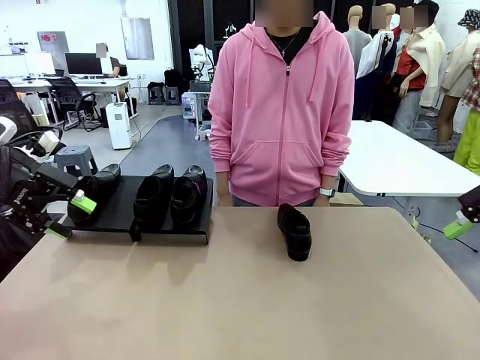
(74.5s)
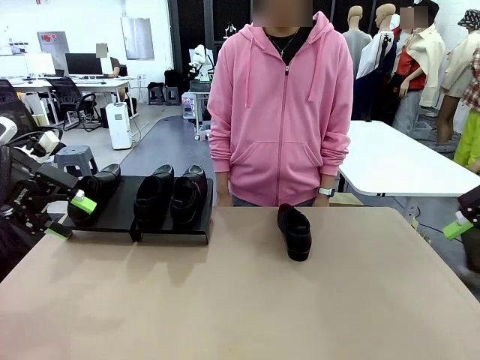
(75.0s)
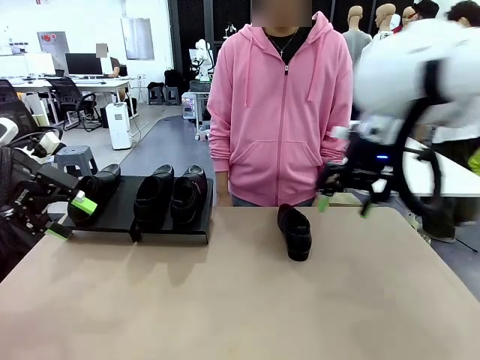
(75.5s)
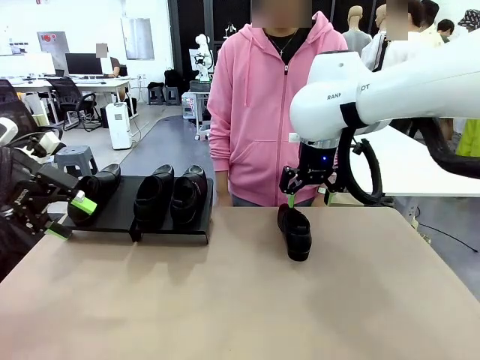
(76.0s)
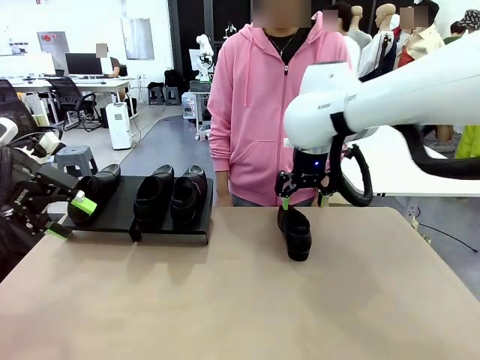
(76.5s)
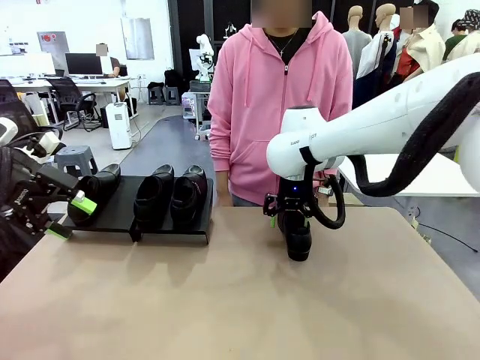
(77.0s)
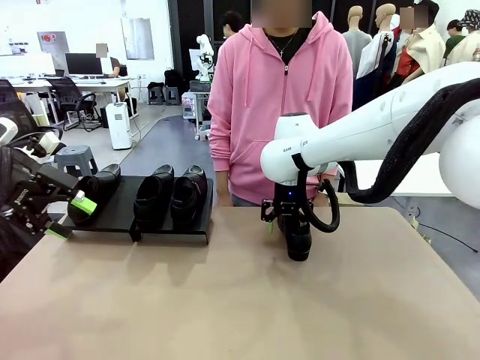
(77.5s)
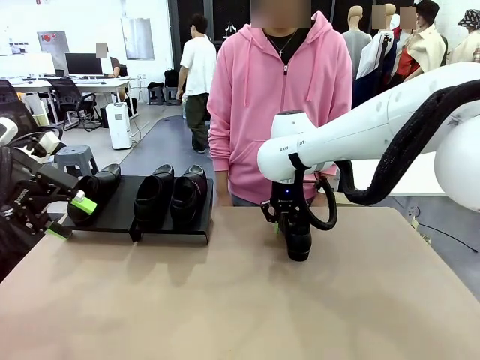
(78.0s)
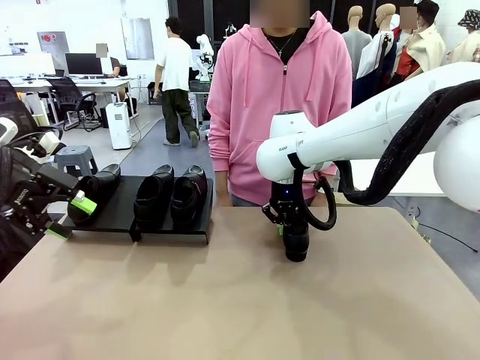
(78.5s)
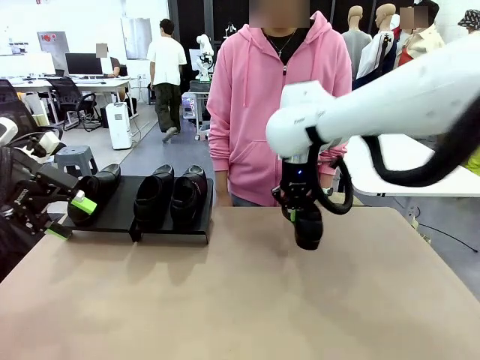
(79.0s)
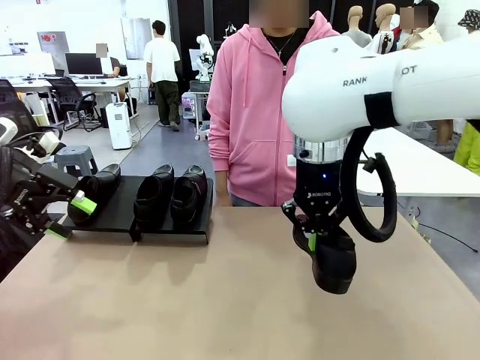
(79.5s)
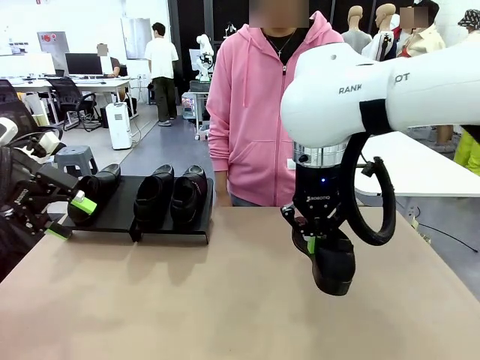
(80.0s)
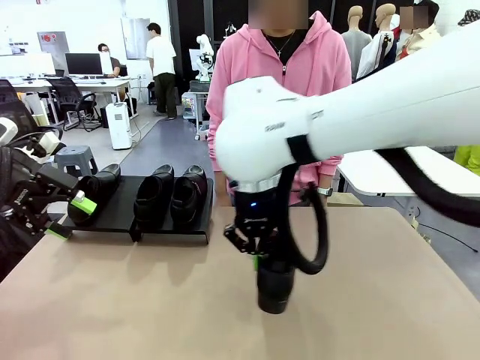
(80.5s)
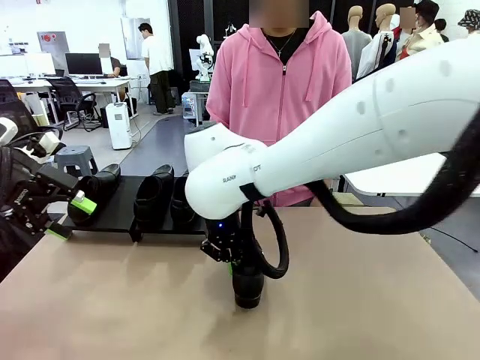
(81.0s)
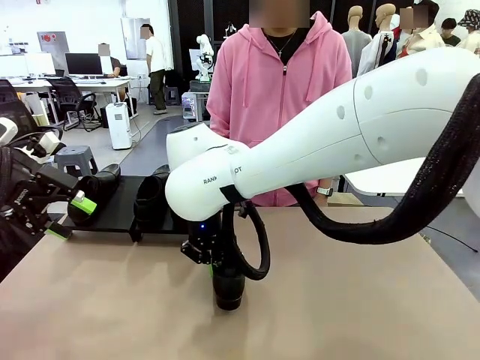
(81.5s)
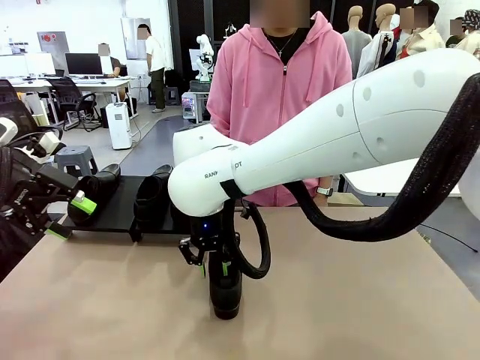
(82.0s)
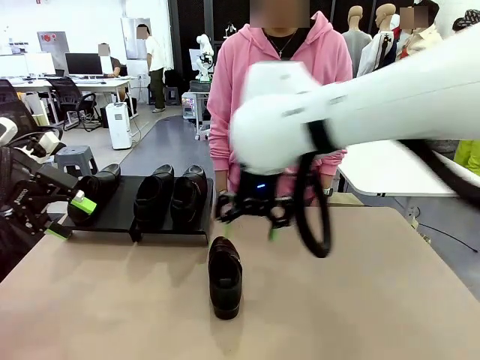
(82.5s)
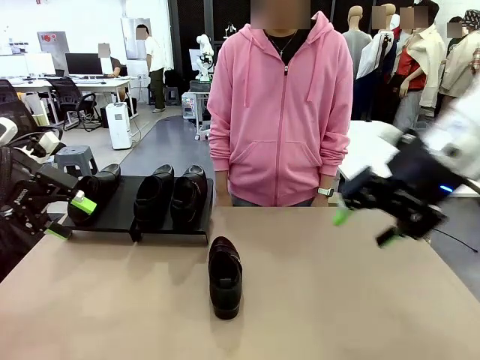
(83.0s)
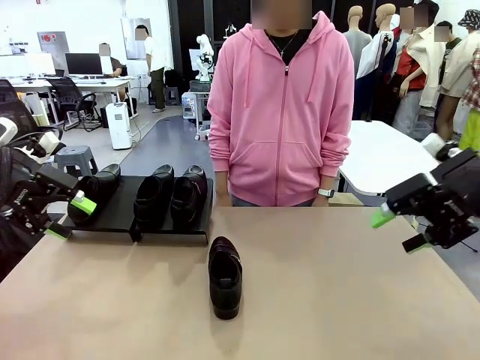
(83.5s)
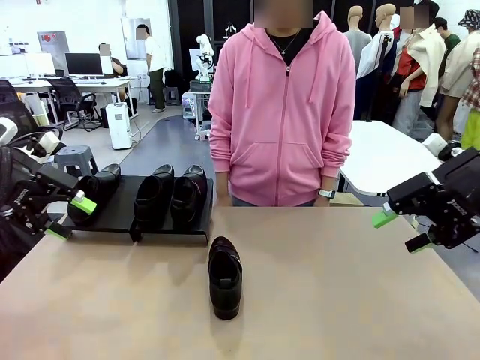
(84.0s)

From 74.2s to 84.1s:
Task: Organize the shoes by placing them on the stand.
Robot: Pick up one Shoe and place it in the middle of the table.

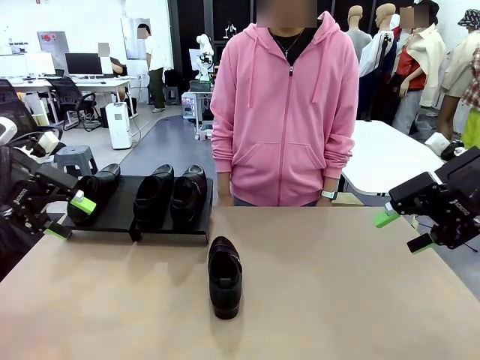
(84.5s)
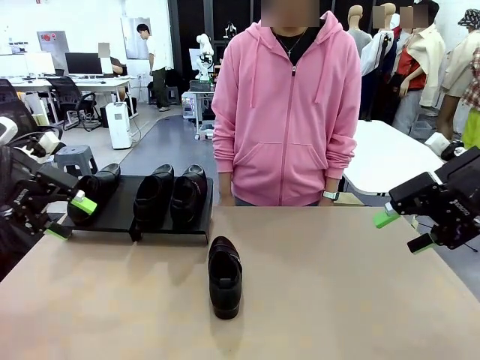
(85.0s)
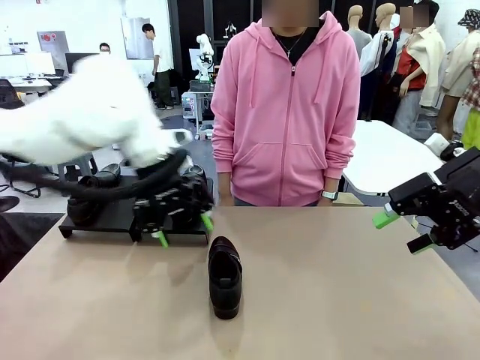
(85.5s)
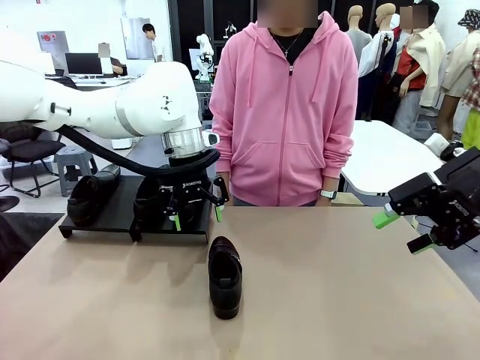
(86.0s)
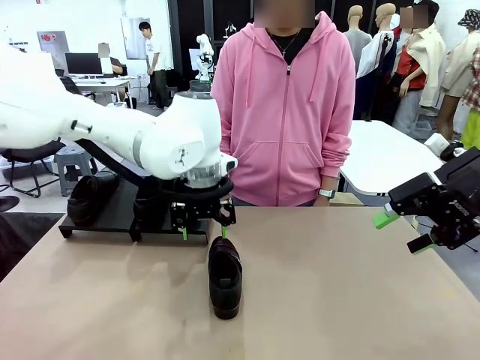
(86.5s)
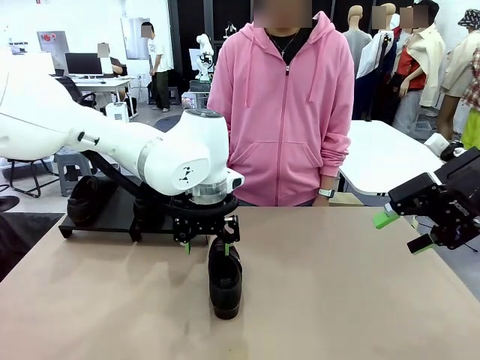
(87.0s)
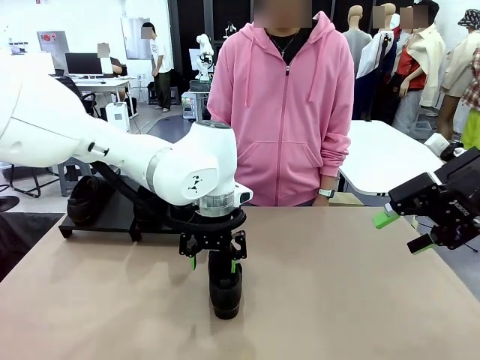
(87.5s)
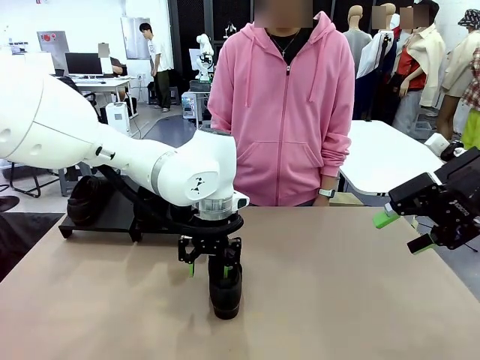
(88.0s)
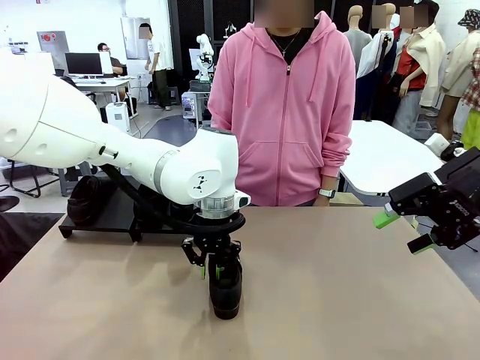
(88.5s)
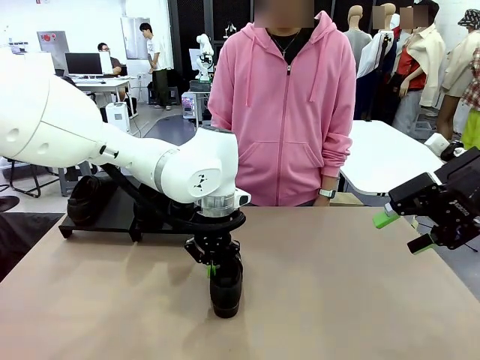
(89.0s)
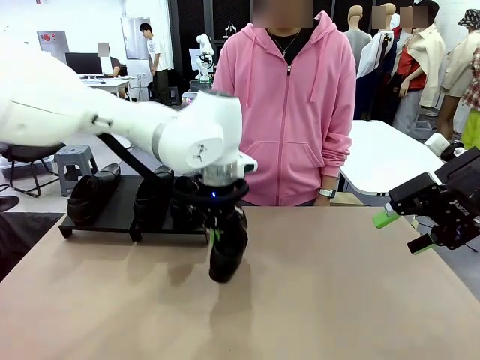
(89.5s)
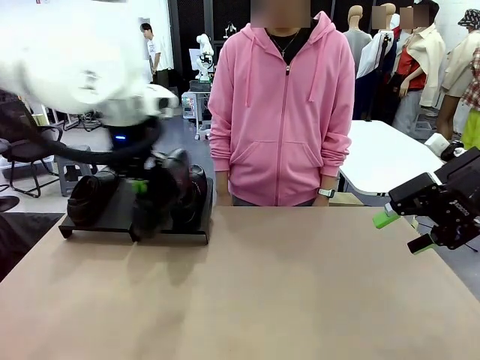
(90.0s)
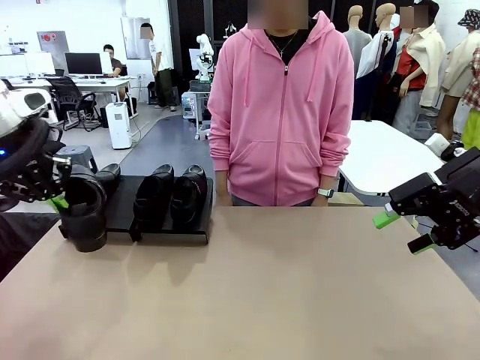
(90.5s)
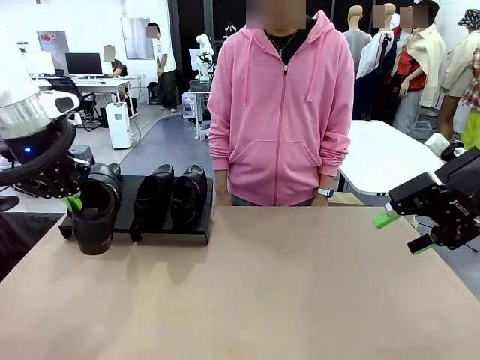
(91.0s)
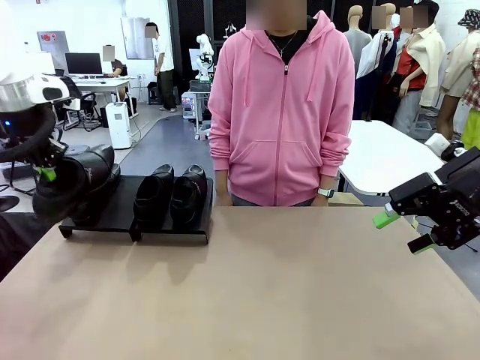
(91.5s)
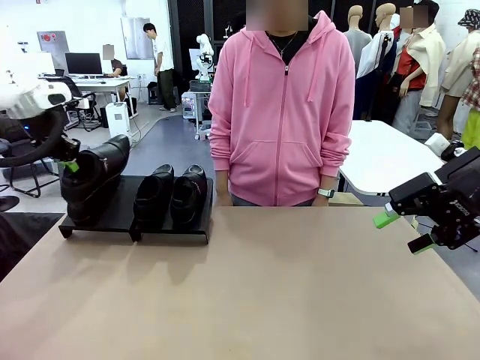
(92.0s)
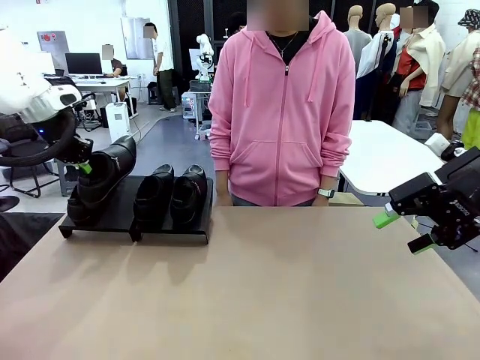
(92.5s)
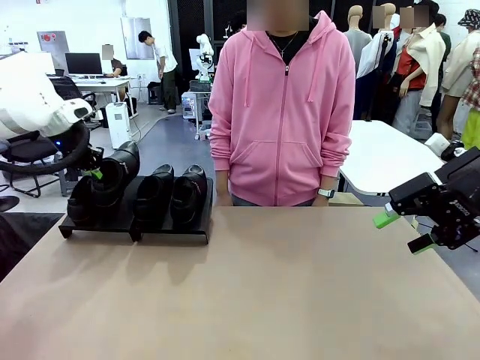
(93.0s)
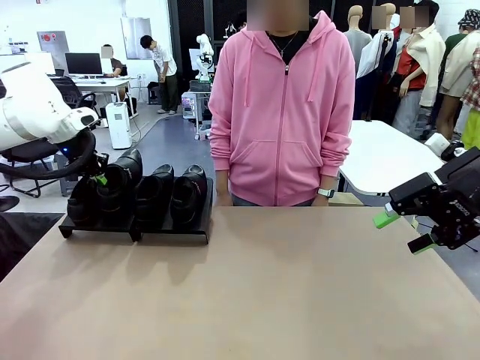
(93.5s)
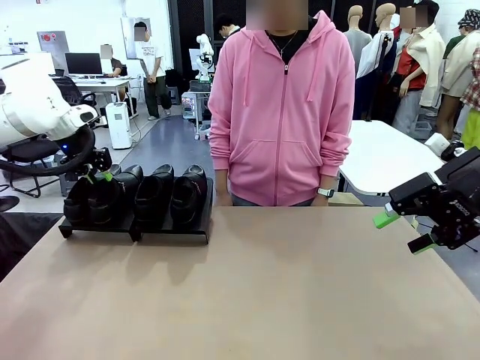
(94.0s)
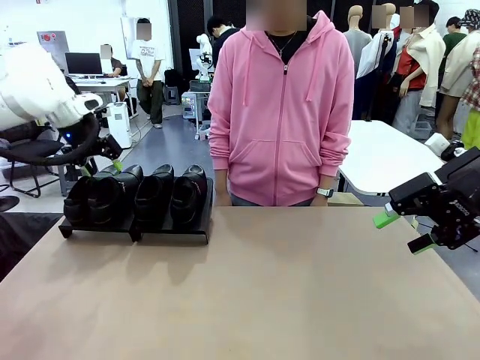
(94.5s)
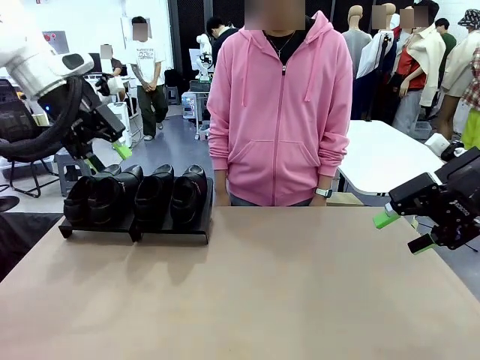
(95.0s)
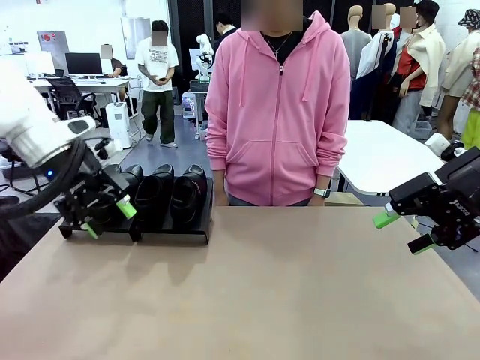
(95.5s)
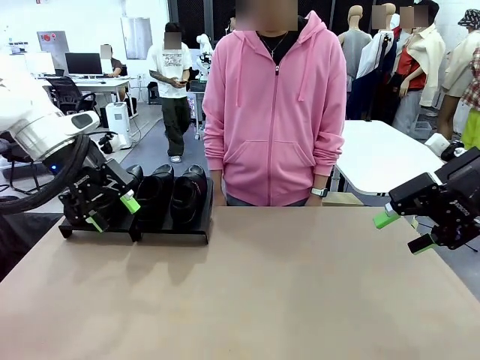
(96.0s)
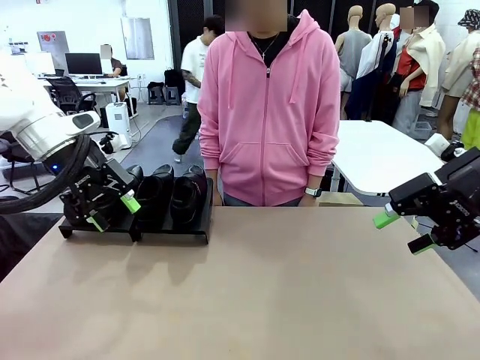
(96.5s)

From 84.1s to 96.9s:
Robot: Place the Shoe from the middle of the table onto the Shoes Stand.

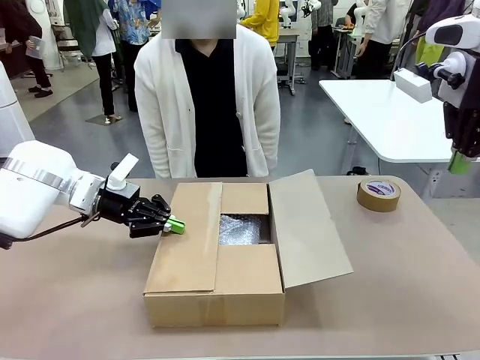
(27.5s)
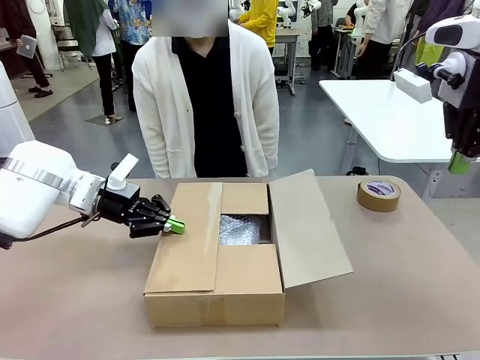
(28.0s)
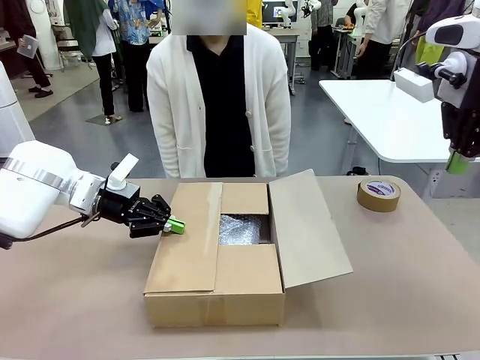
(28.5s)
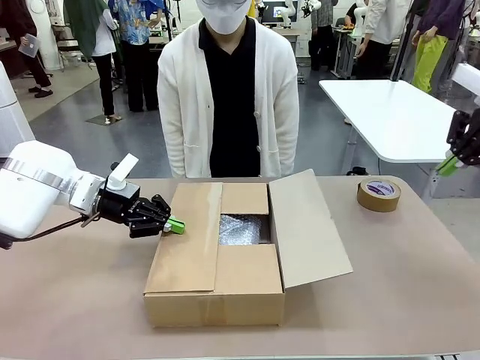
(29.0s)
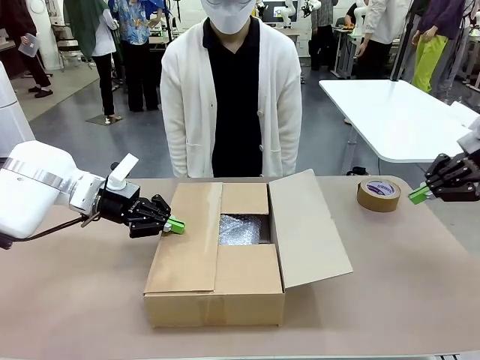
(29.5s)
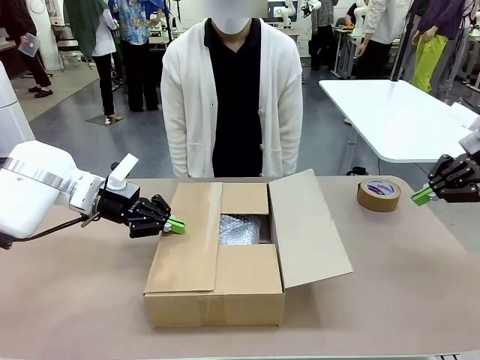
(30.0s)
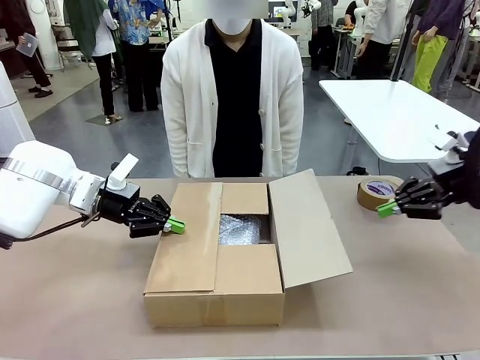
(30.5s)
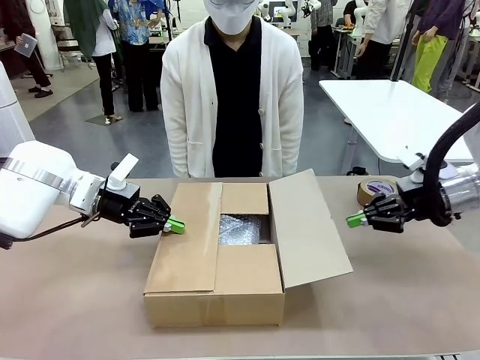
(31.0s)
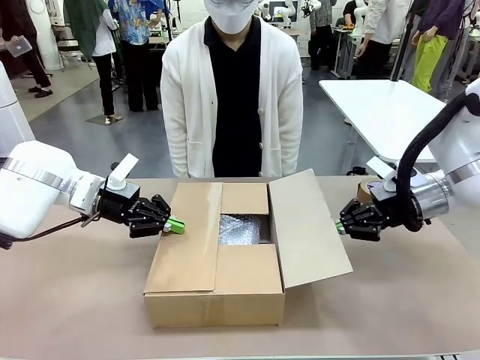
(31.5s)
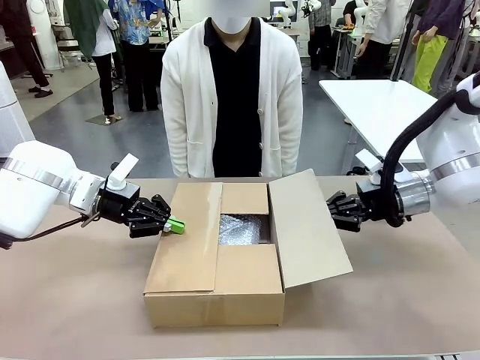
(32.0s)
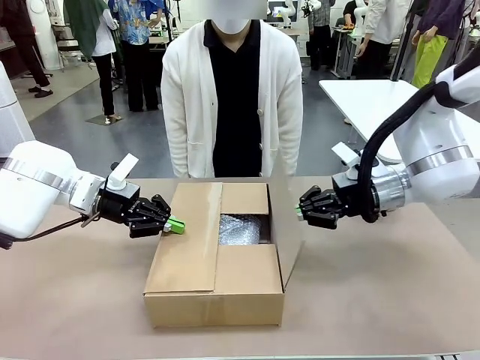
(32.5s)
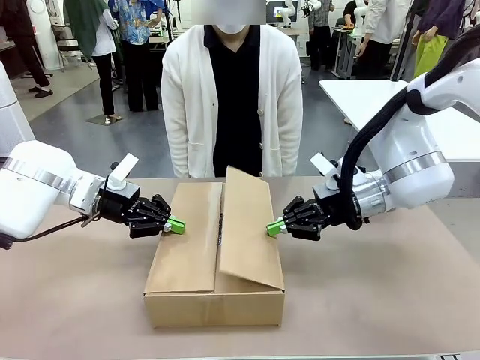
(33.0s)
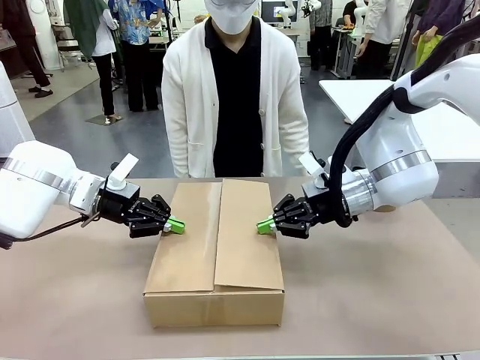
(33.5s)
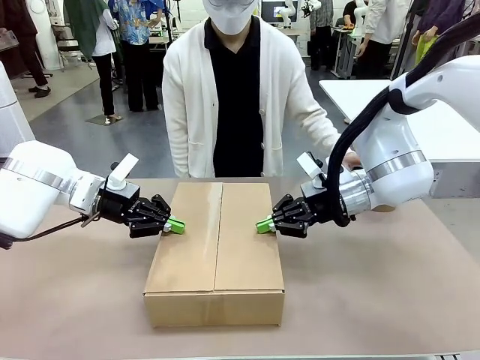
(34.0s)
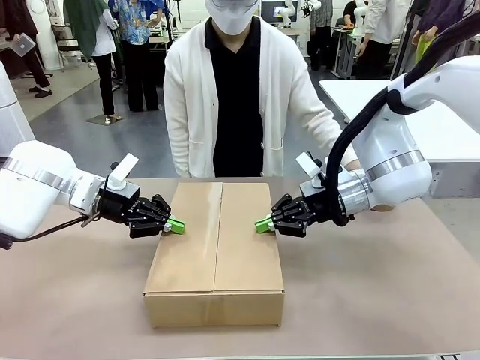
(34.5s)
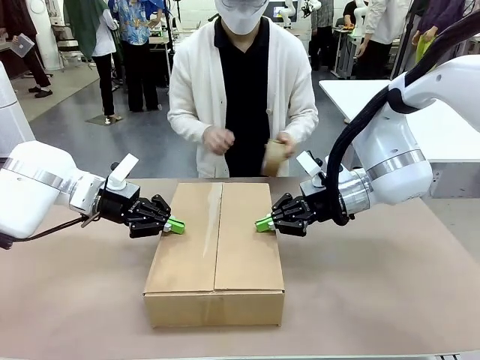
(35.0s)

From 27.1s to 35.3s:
Task: Wrap the clocks to prevent damage.
Robot: Push the left (or right) flap of the Package Box to close it.
